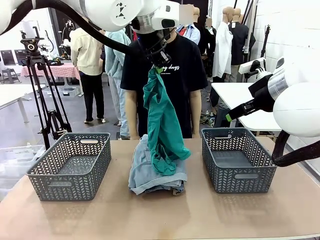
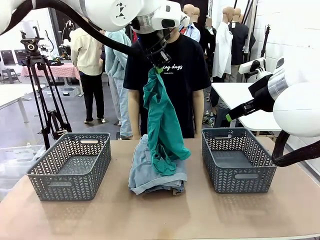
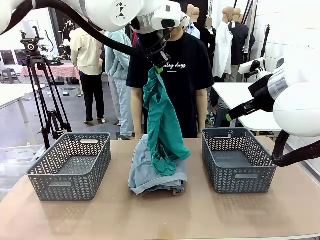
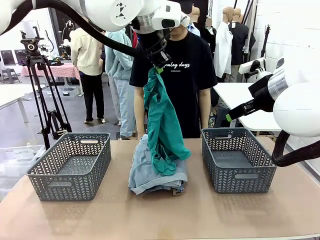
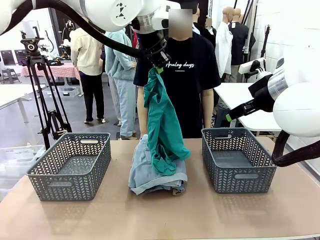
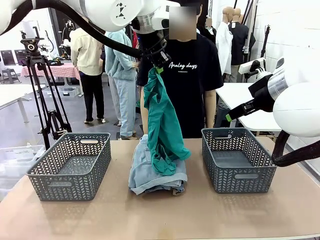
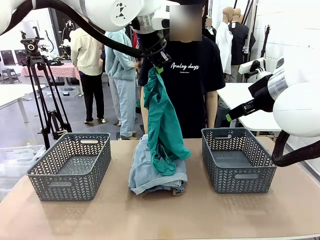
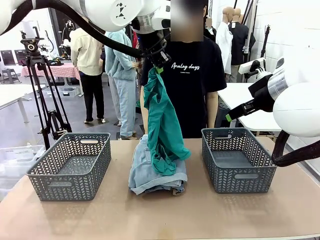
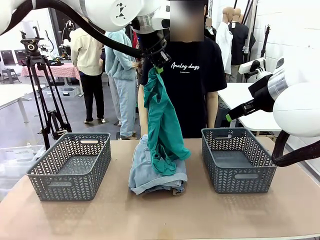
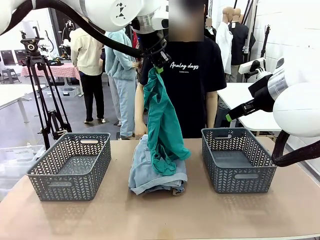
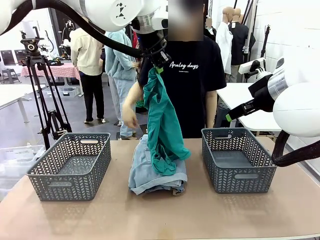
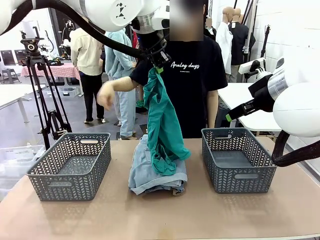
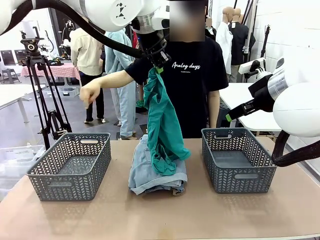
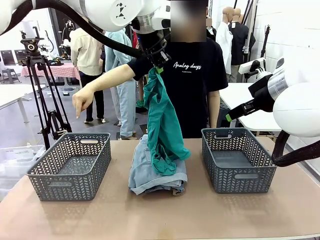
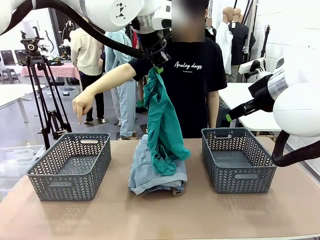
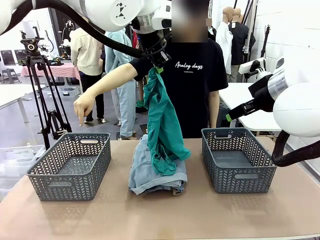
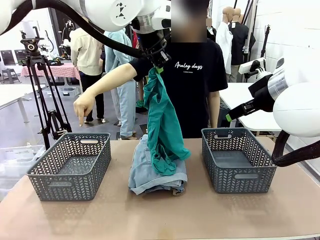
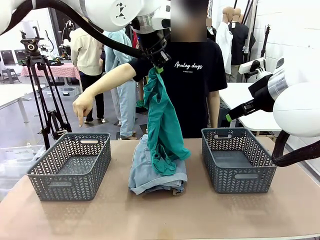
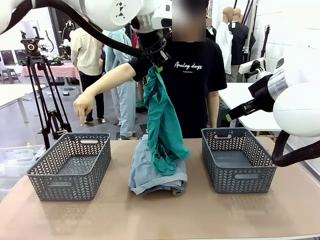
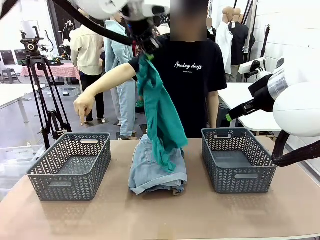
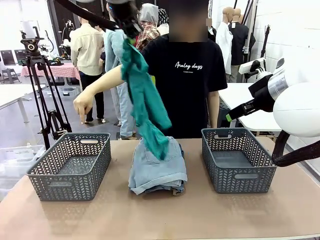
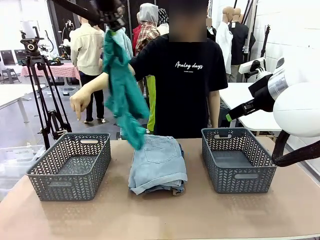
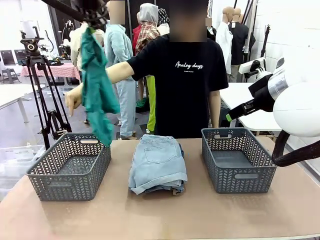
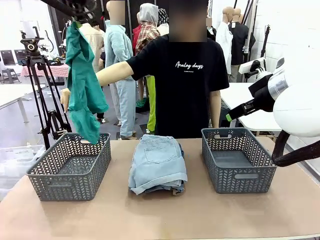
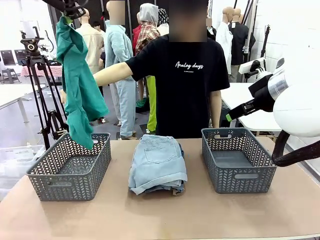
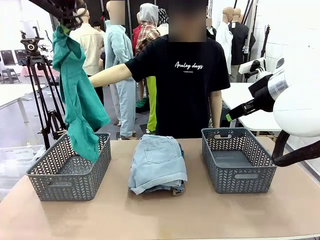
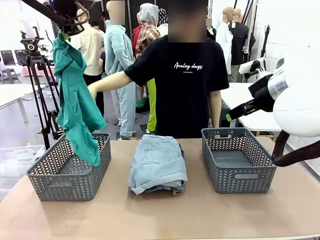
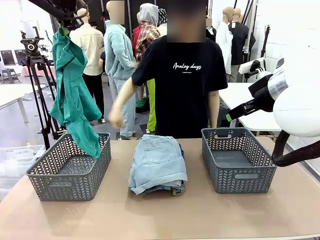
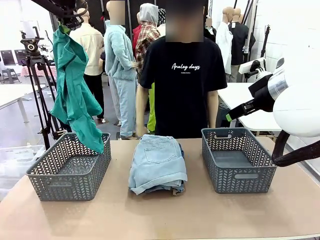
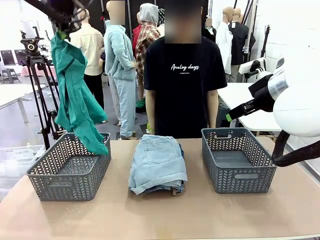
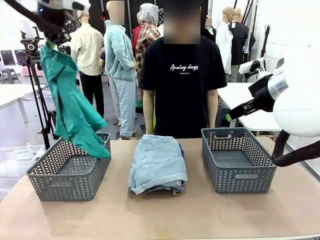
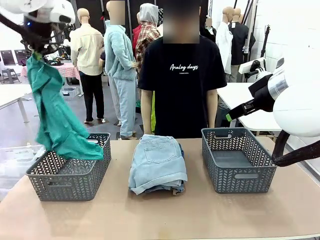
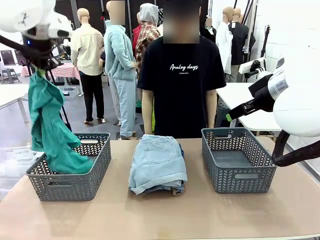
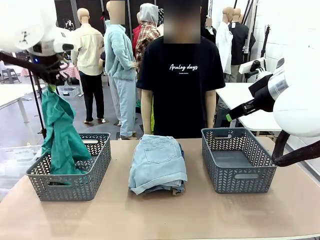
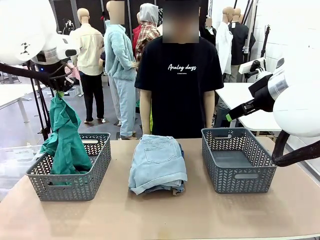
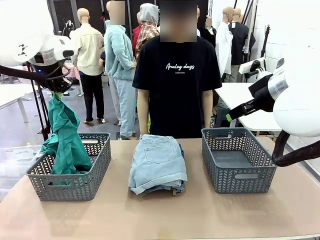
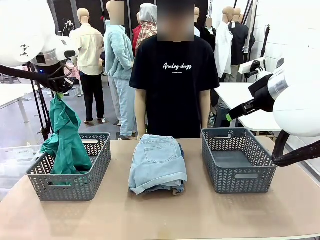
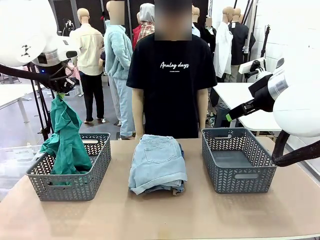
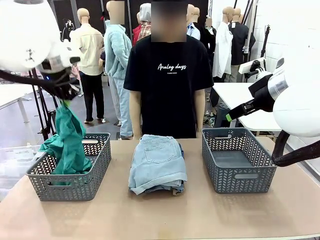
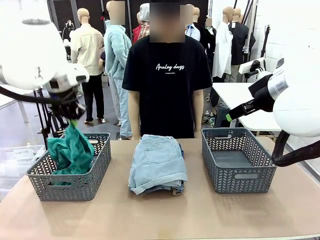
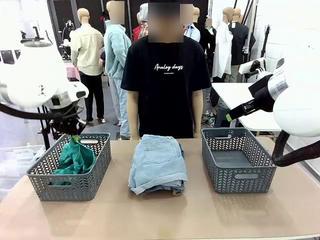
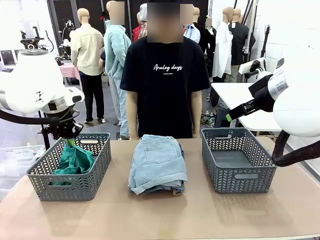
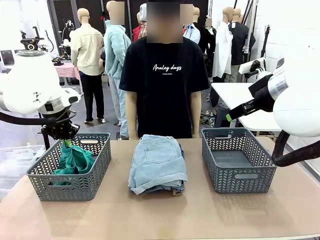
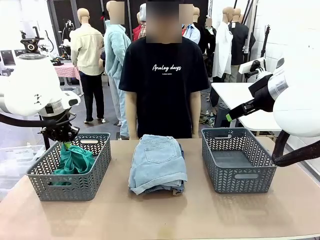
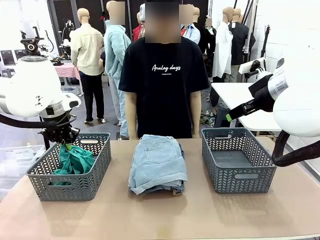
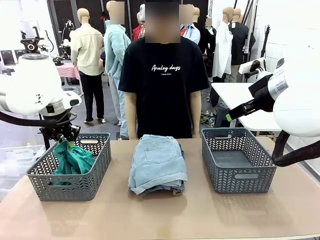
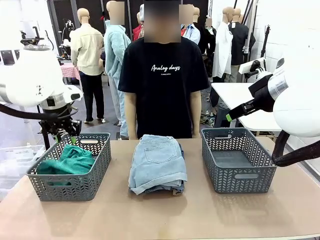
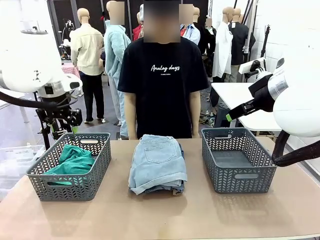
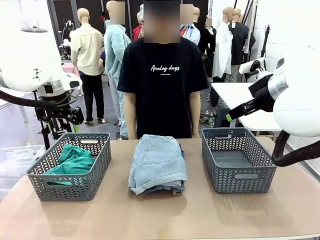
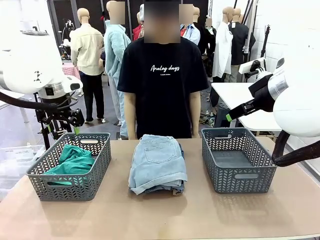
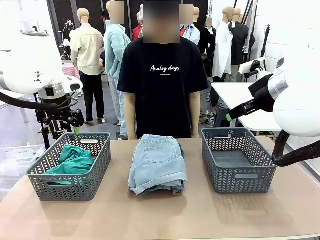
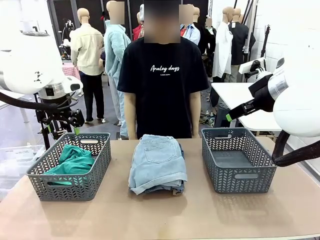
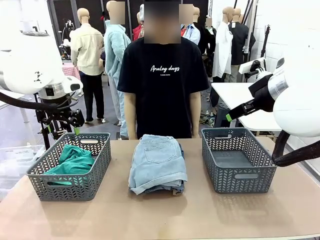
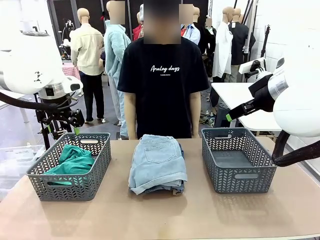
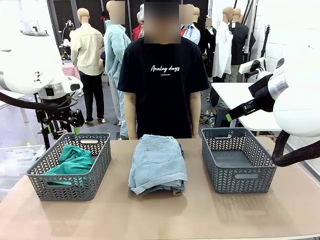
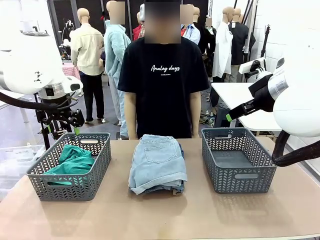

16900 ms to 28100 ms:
Task: Sort the tops and bottoms.
Robot: Sort the clothes according to human instructions.

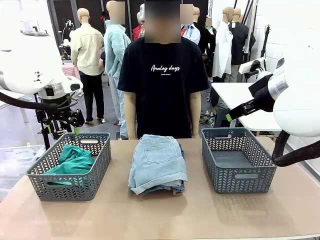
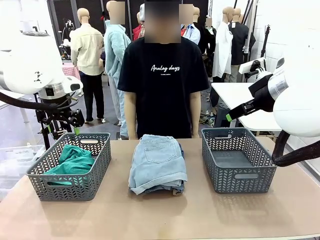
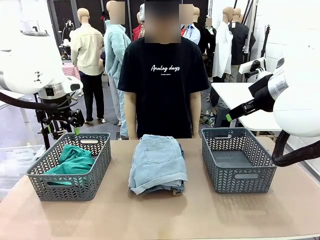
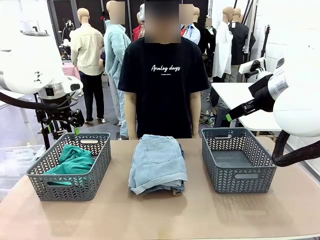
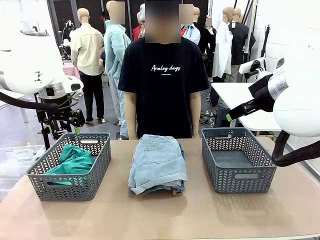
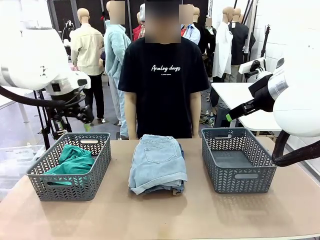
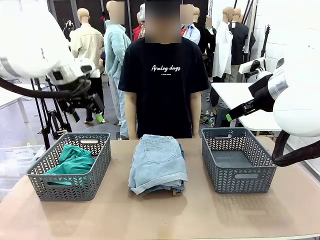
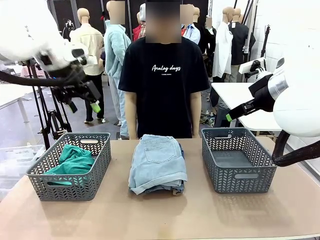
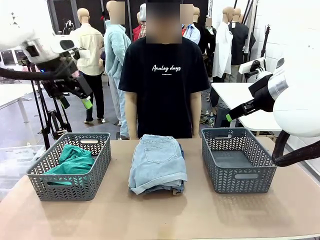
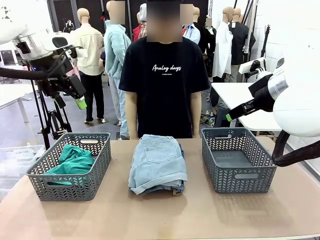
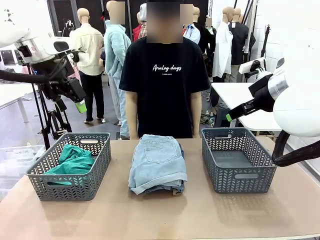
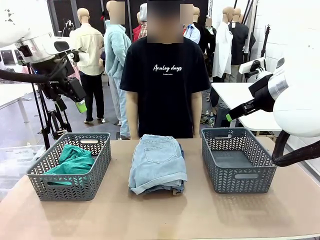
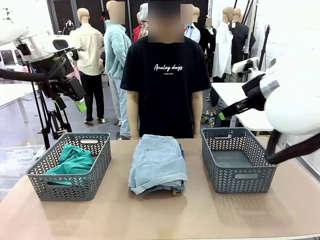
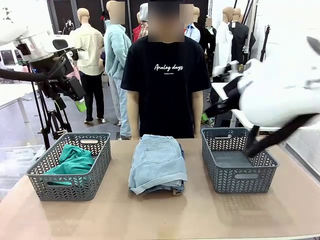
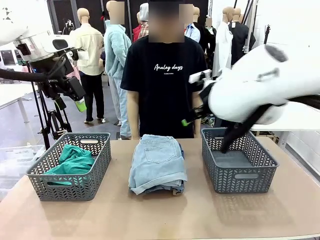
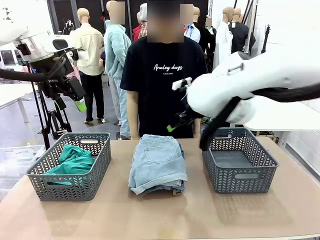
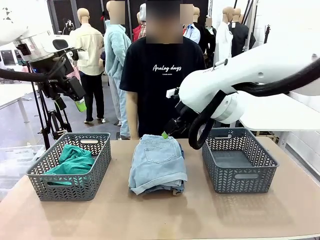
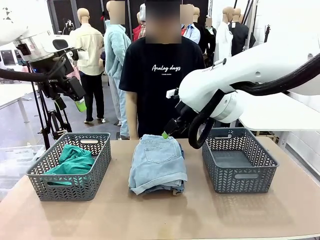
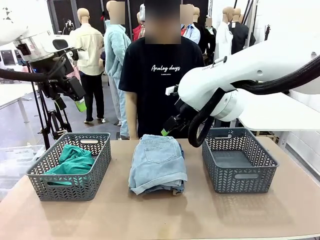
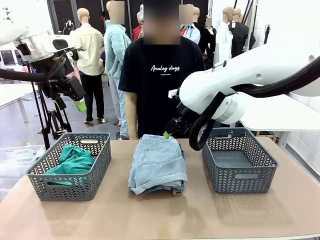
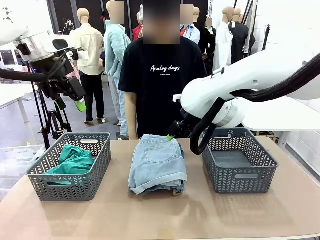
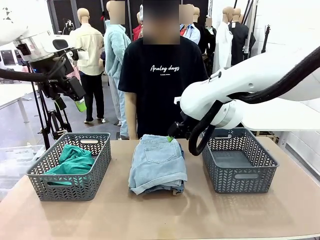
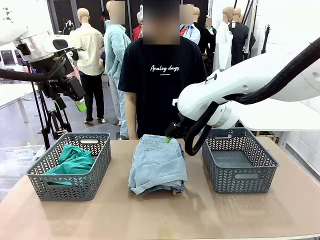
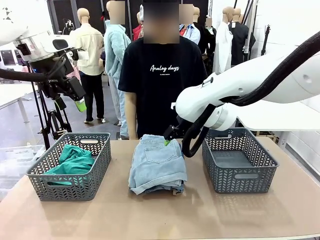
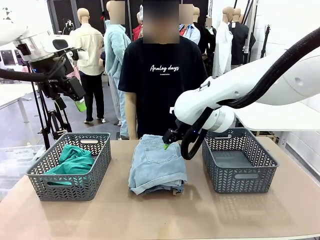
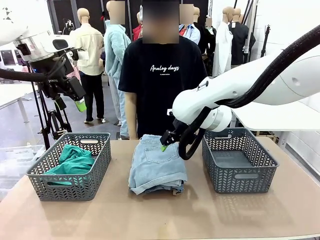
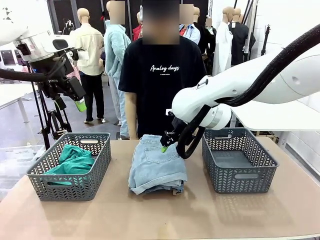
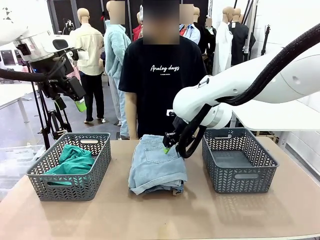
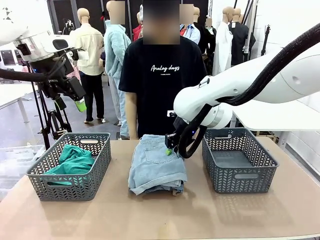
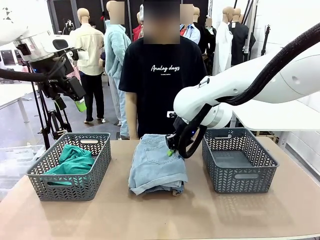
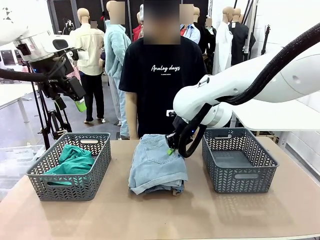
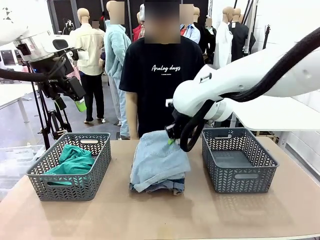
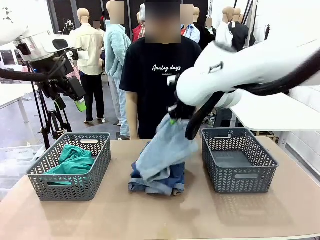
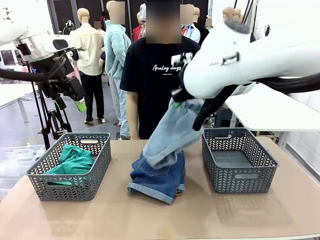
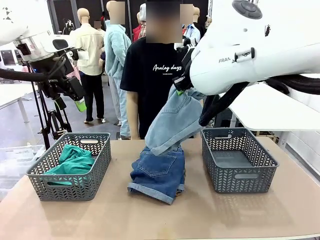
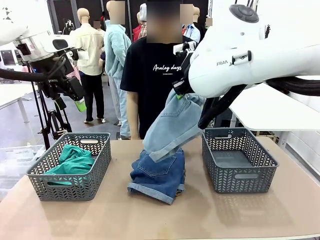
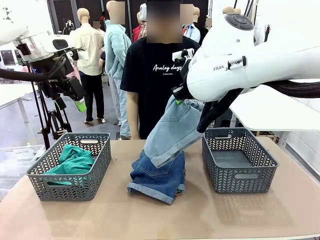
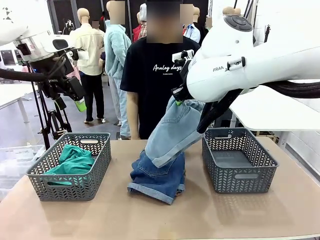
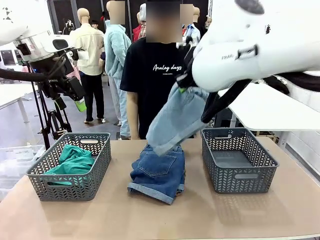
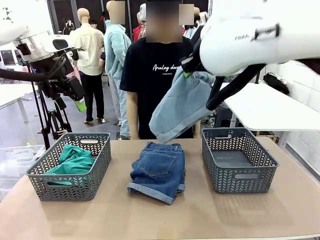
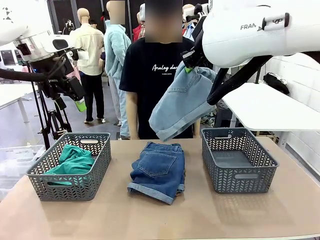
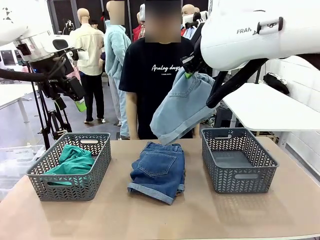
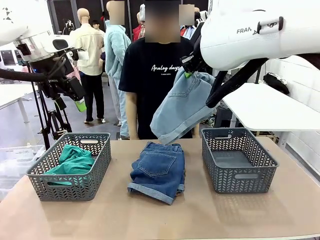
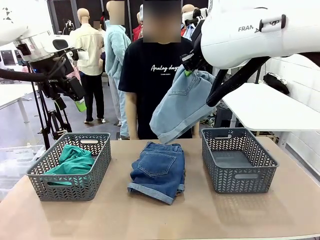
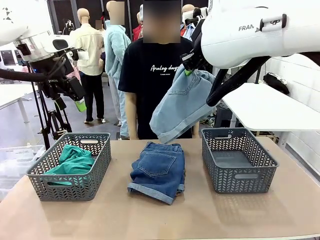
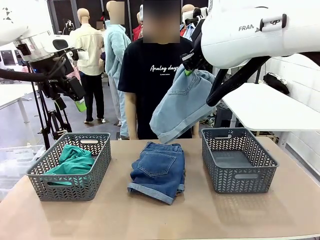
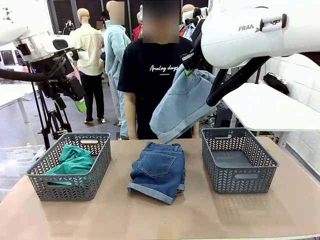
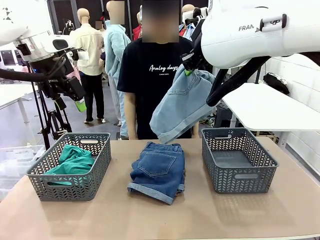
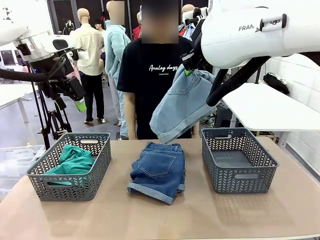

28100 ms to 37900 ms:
Robot: Lift clothes from the center of the table with your right hand.
